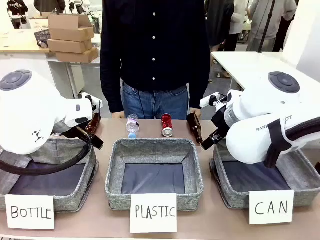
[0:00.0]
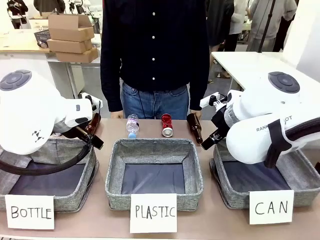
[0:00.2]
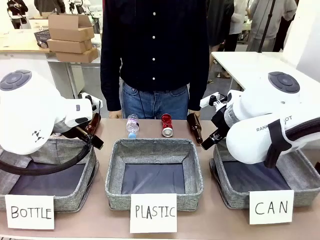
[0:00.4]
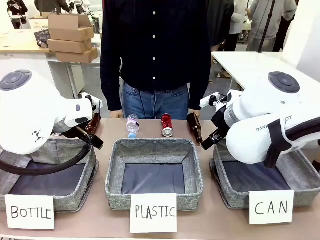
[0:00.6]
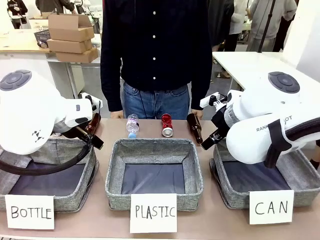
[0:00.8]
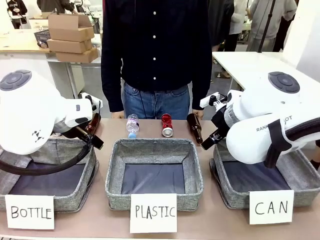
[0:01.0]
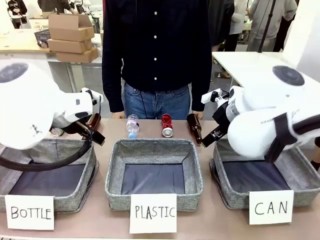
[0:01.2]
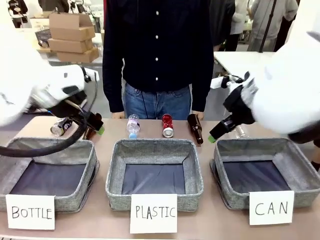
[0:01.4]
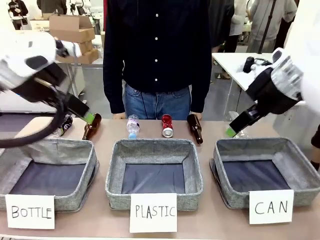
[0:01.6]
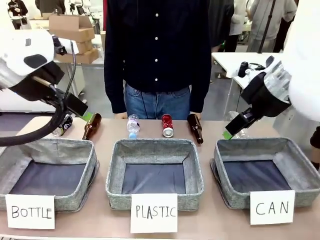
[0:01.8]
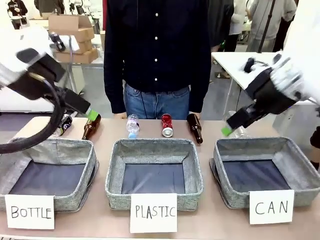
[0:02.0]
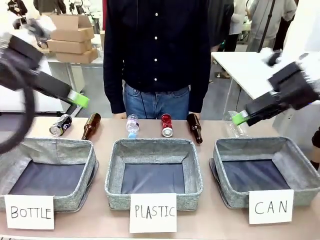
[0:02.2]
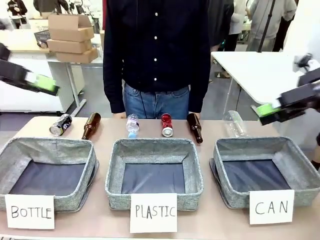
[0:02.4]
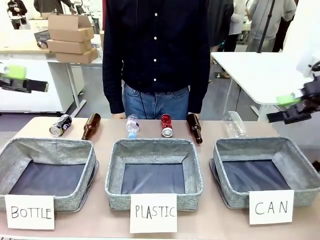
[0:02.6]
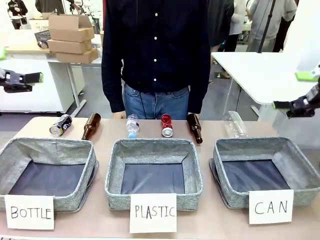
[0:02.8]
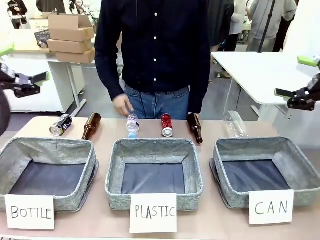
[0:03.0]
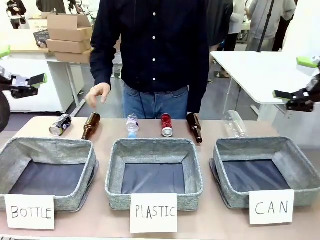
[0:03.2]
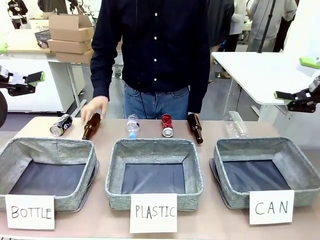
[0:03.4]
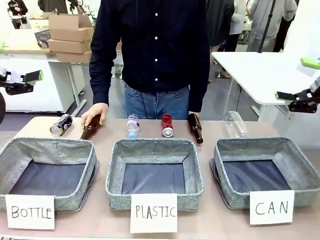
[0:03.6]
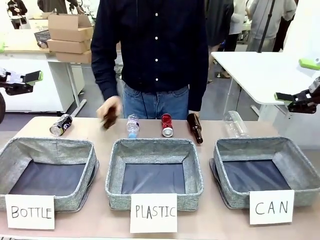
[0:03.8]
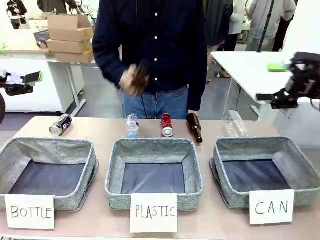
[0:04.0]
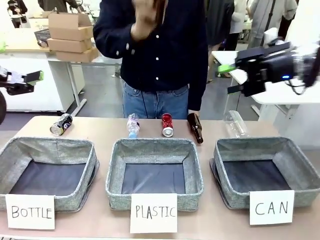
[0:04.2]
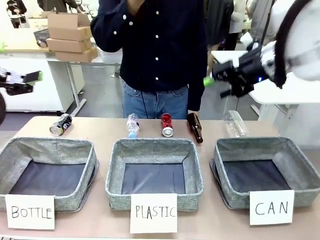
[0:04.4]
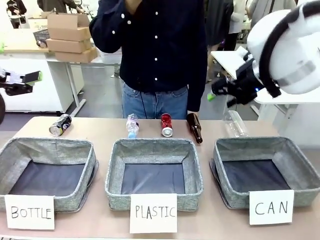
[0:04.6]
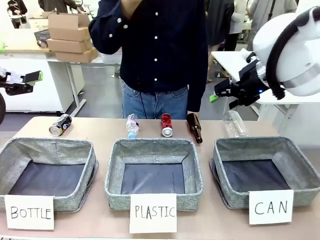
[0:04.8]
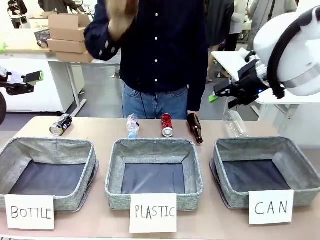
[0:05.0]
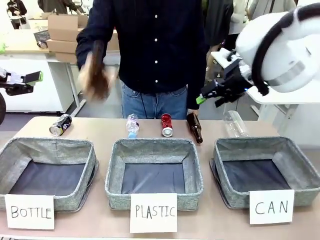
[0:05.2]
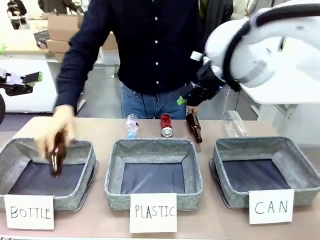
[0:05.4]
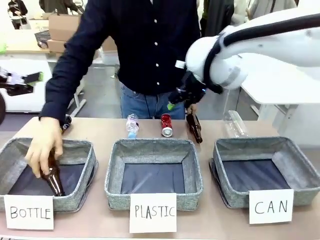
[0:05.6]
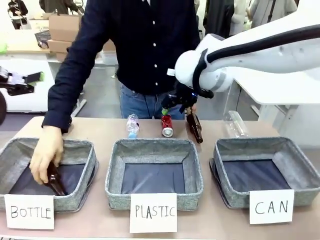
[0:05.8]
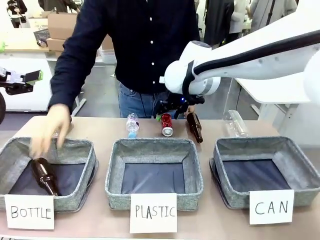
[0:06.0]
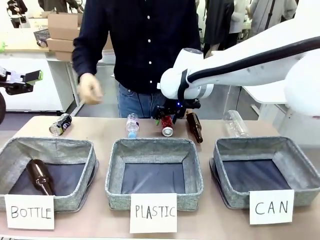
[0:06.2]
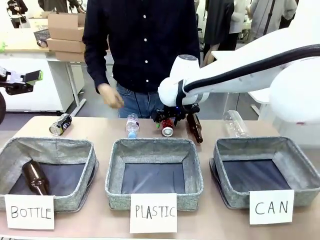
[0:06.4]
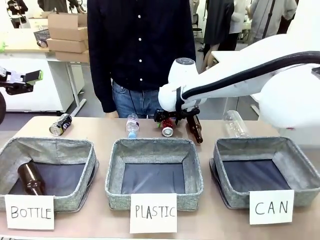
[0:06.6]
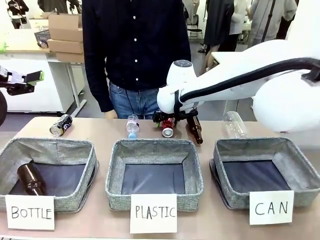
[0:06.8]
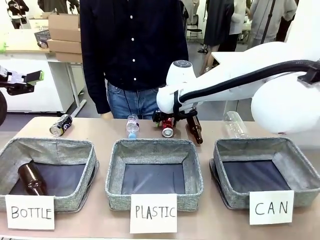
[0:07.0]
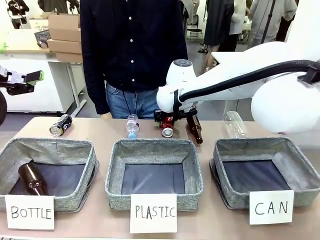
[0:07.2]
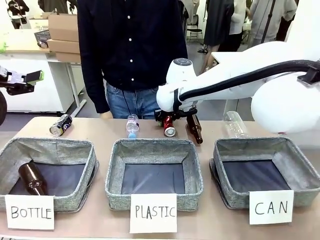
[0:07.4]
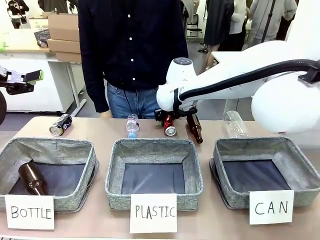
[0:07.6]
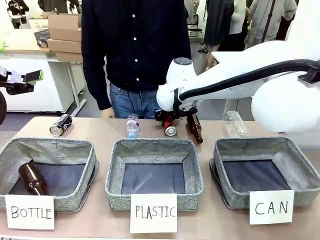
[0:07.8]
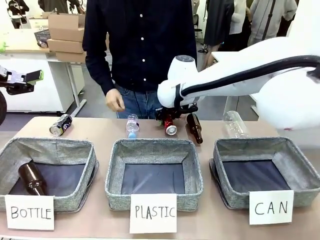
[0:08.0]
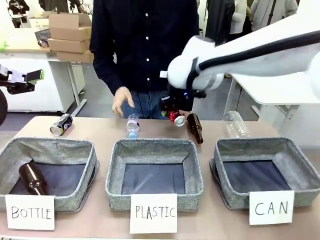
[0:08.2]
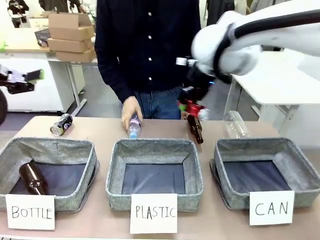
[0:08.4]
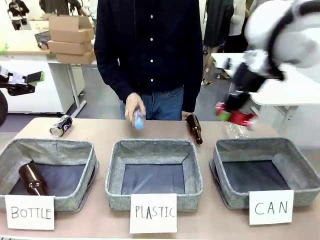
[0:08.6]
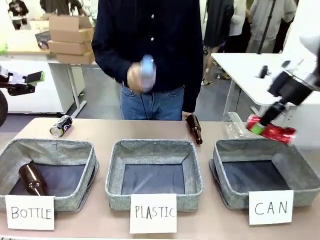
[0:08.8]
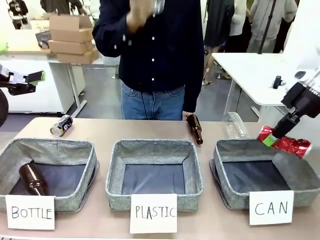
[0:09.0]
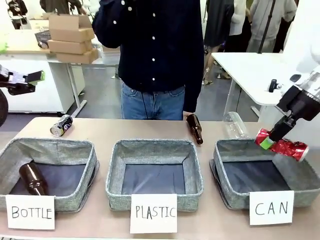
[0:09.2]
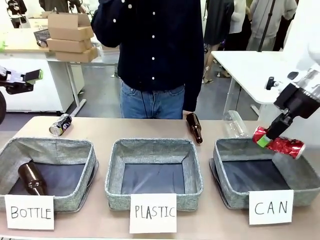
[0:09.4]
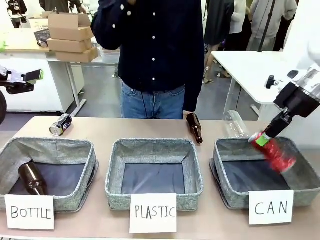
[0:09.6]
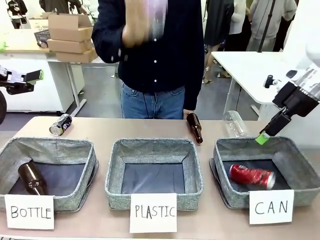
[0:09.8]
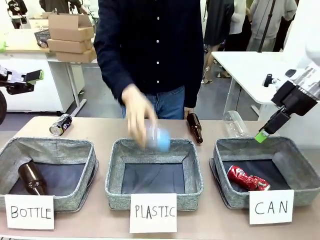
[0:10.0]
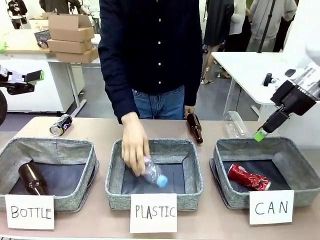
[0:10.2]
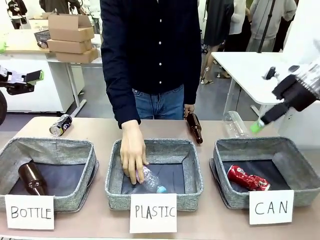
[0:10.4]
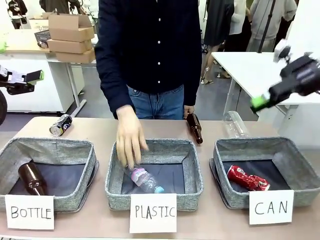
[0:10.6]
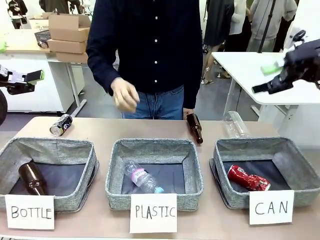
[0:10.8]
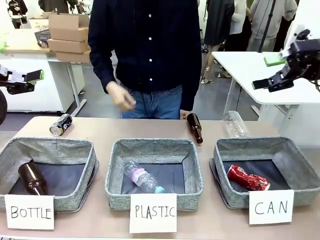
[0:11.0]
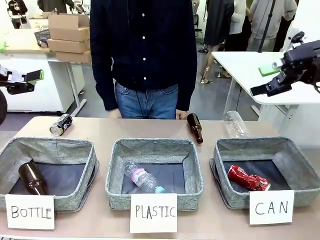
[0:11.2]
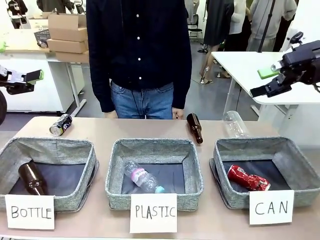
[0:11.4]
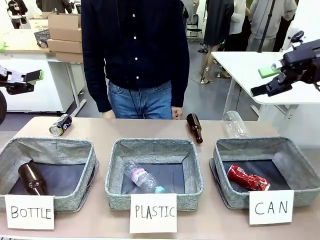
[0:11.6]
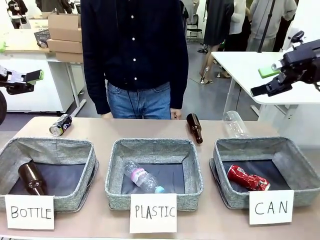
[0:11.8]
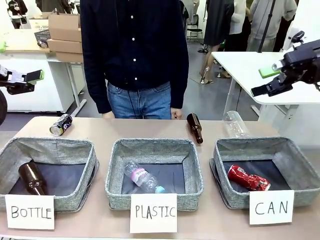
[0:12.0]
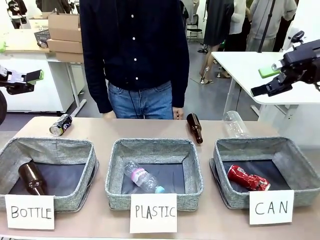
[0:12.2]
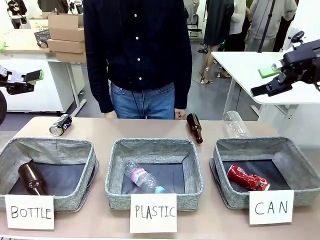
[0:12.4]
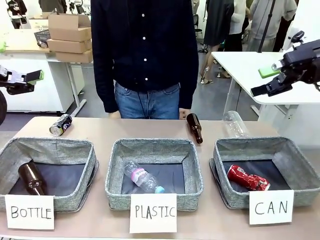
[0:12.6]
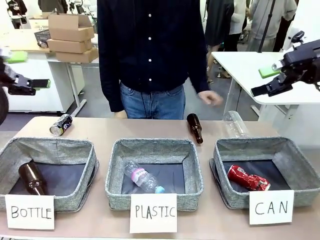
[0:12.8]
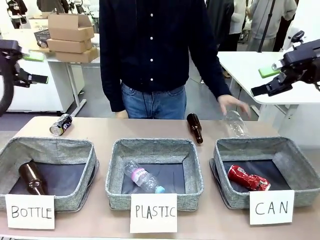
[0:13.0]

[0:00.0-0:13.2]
Task: Sort the can waste into the basket.
Robot: Pick up the can waste from the table and place it in the right Fabric basket.

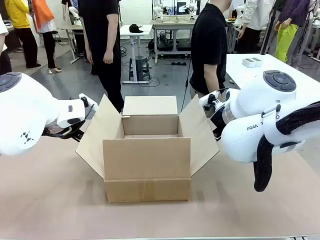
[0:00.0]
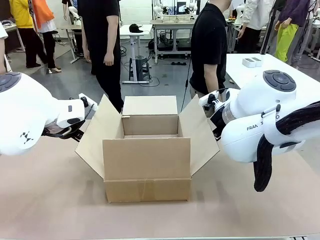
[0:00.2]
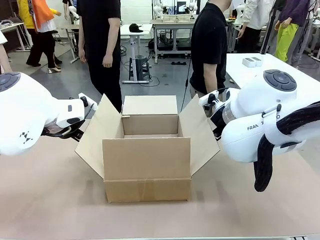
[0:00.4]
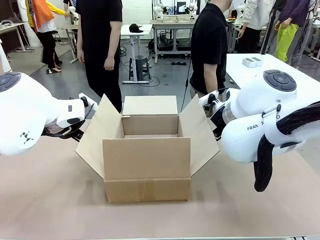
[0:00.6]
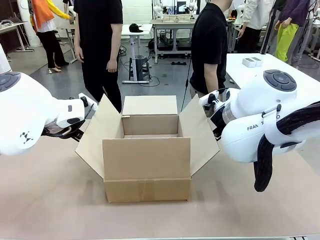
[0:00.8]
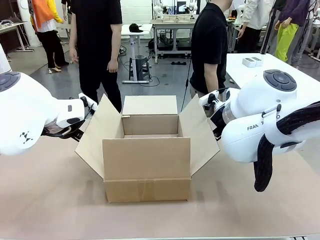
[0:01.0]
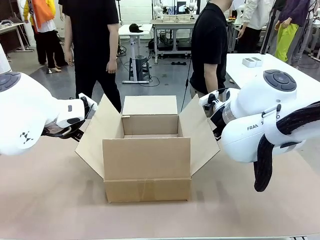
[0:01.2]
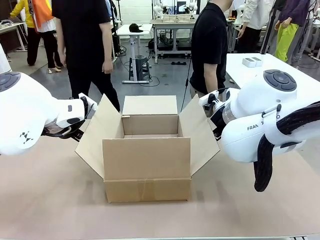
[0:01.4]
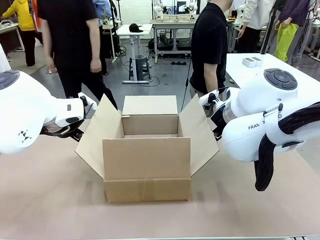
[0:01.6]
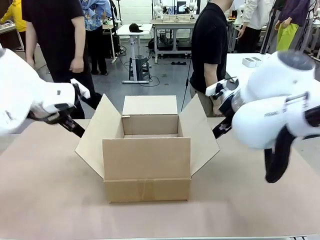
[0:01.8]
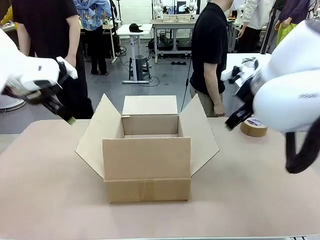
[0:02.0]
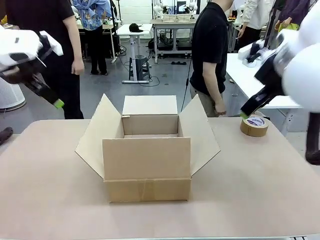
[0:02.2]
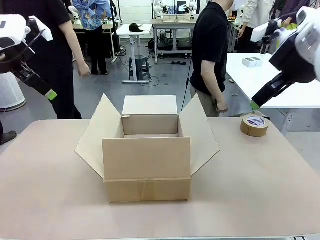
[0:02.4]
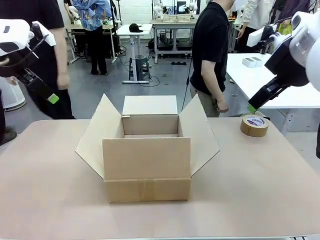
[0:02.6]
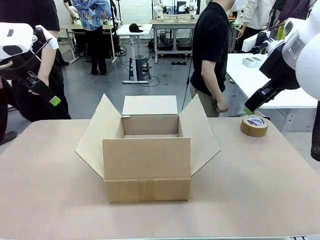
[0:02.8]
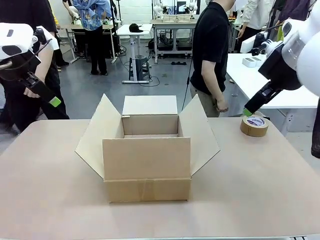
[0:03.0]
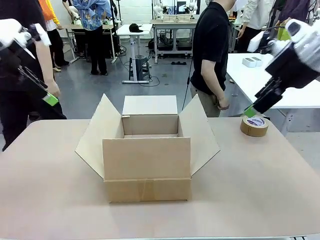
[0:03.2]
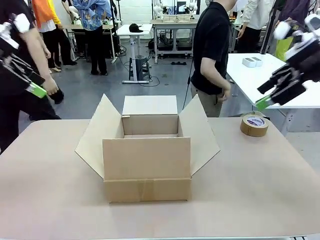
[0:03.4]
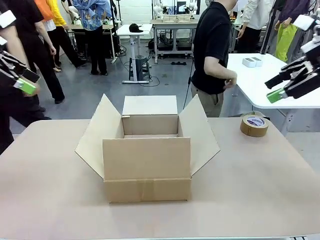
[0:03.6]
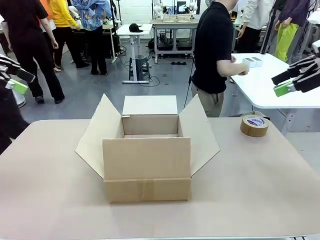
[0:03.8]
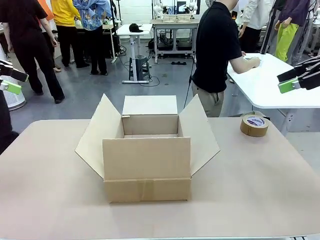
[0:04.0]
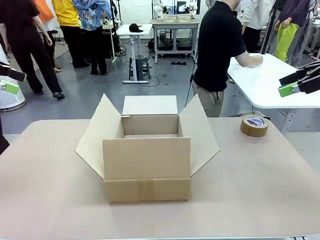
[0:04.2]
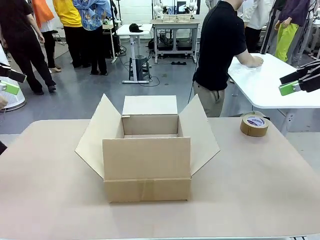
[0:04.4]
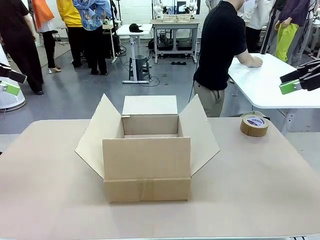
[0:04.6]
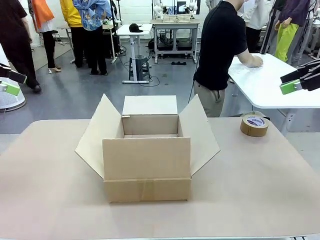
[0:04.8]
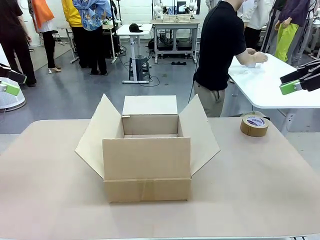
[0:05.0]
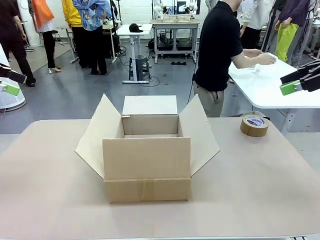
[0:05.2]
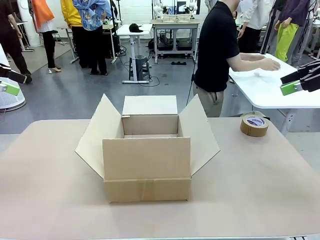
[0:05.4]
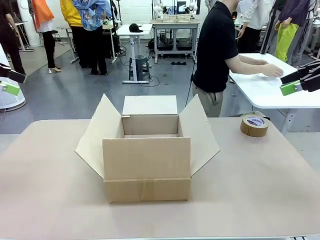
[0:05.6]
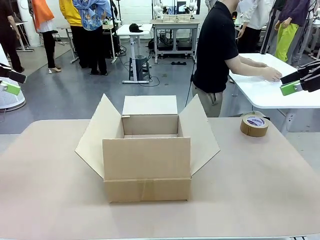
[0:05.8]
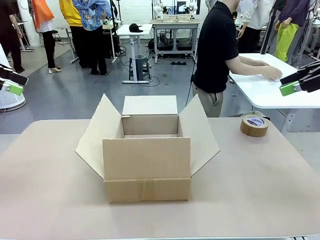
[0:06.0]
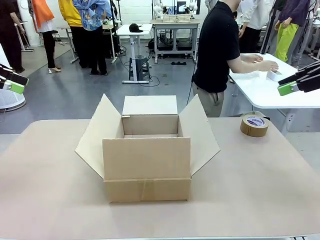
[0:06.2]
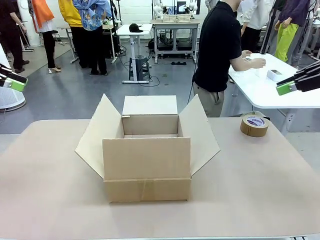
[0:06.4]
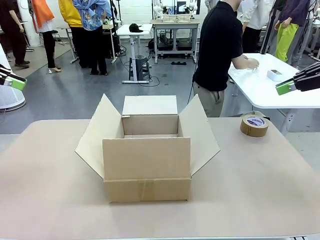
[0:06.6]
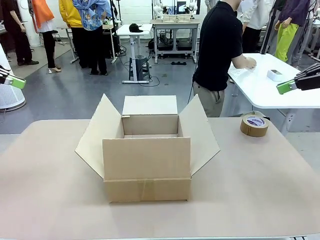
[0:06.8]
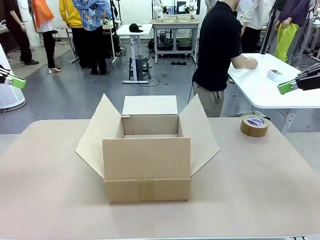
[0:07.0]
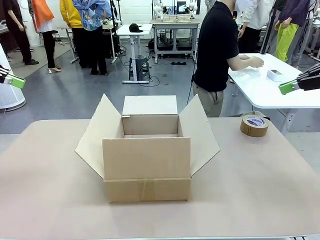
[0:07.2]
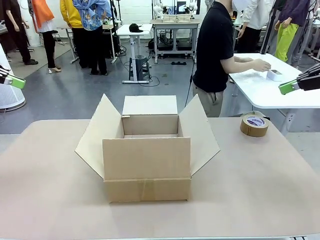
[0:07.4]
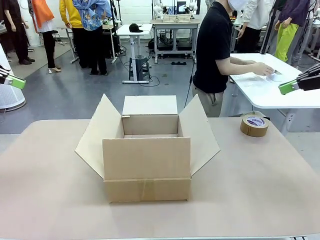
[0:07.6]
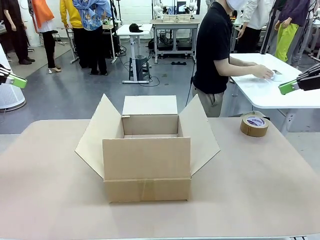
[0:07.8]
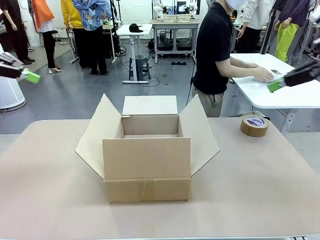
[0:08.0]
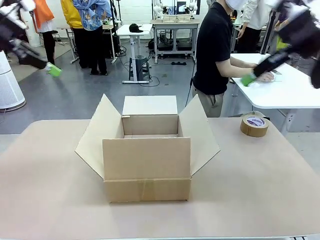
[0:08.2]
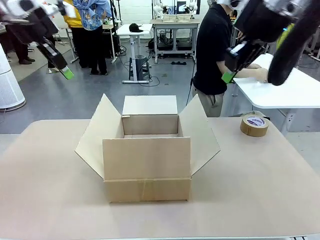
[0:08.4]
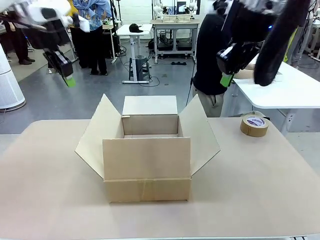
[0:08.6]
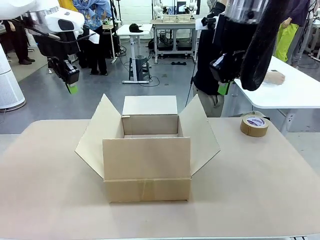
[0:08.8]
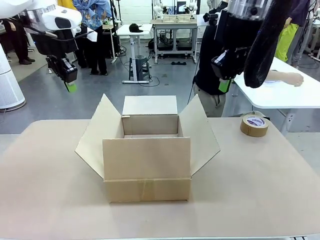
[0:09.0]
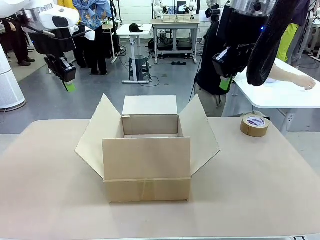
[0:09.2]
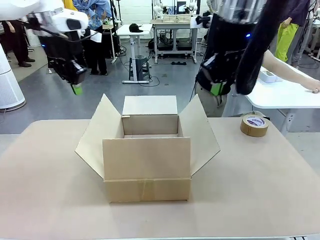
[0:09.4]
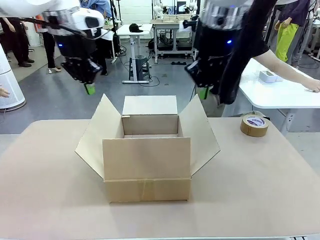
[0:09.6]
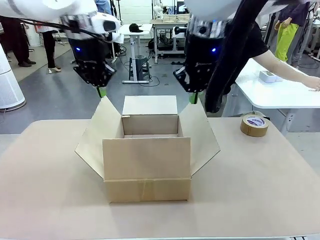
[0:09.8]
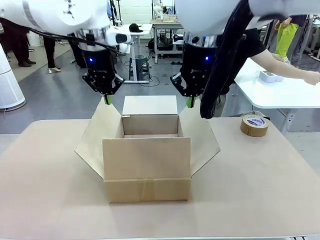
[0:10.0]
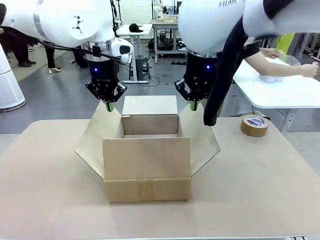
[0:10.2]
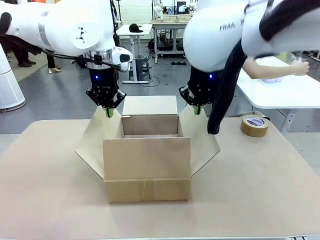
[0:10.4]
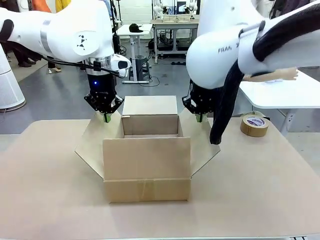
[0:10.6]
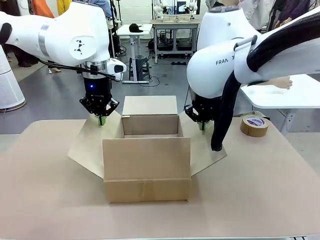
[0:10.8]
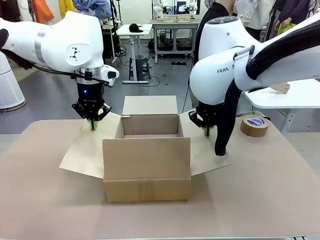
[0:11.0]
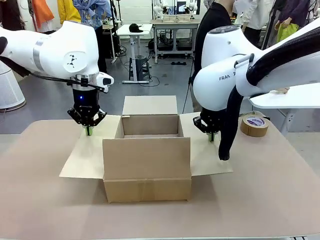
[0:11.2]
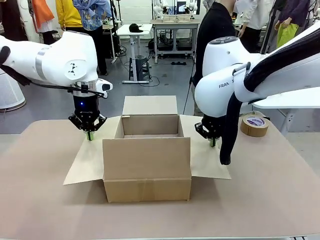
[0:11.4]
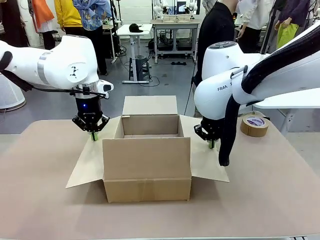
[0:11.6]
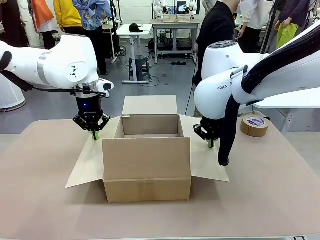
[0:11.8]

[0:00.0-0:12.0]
Task: Wrap the clocks to prevent damage.
Robot: Open the side flaps of the Package Box.
Person: Wrap the two Digital clocks with Bubble Wrap.
